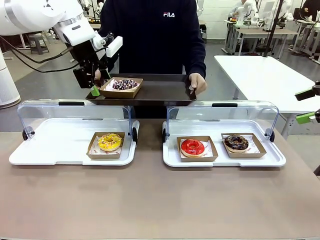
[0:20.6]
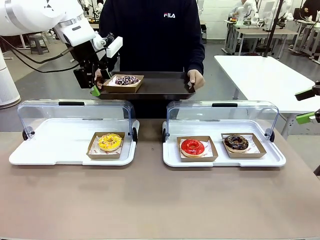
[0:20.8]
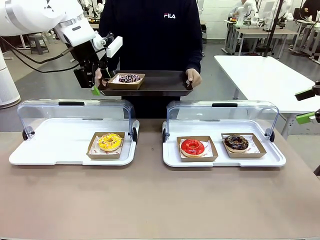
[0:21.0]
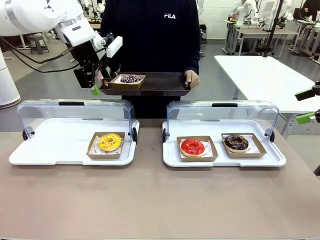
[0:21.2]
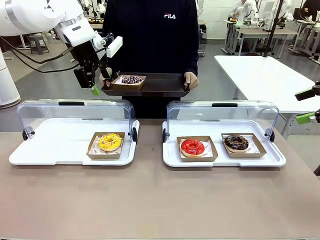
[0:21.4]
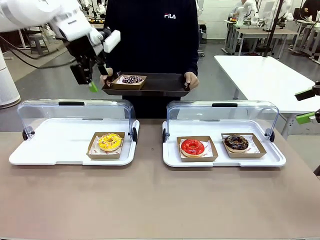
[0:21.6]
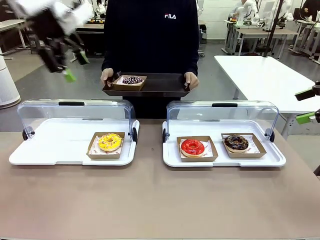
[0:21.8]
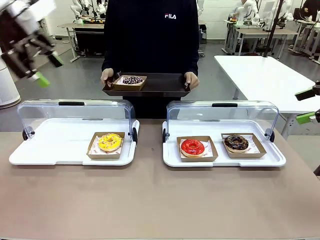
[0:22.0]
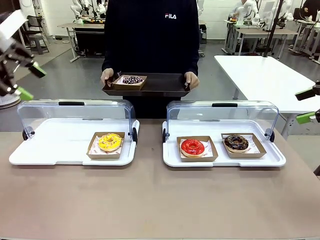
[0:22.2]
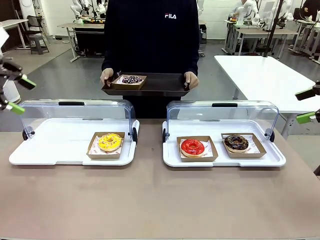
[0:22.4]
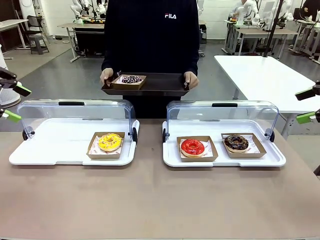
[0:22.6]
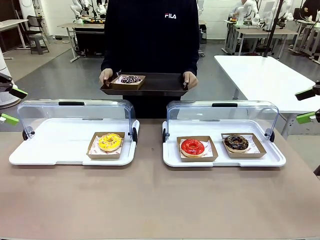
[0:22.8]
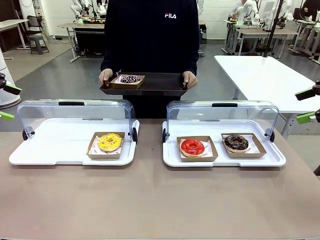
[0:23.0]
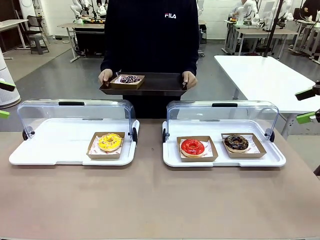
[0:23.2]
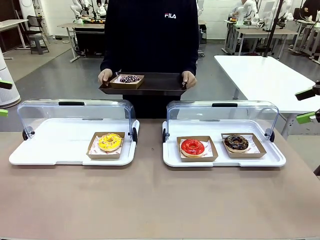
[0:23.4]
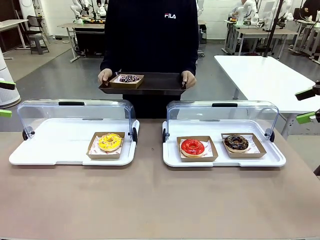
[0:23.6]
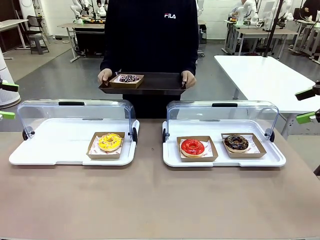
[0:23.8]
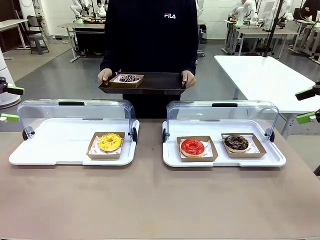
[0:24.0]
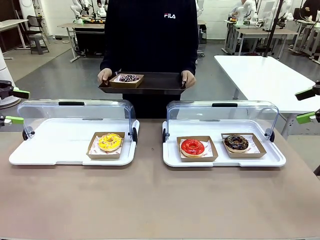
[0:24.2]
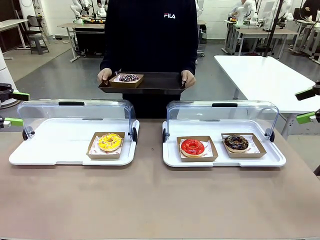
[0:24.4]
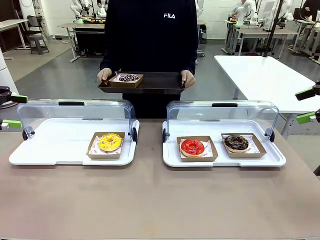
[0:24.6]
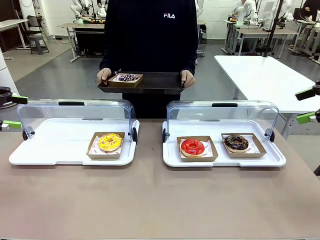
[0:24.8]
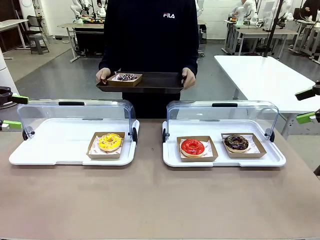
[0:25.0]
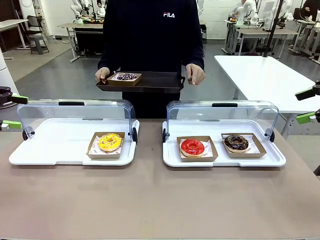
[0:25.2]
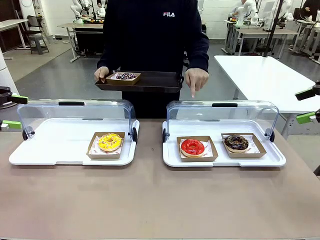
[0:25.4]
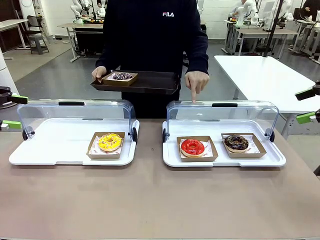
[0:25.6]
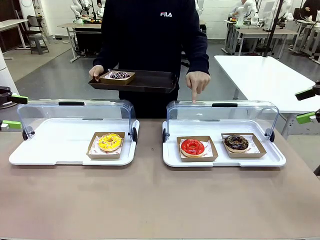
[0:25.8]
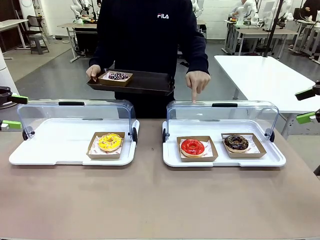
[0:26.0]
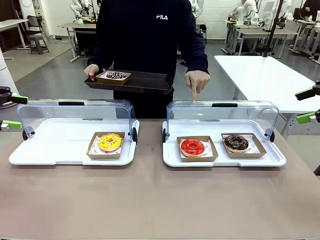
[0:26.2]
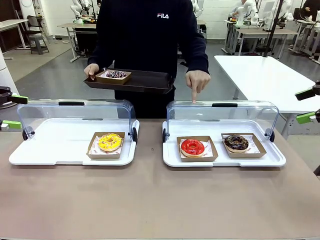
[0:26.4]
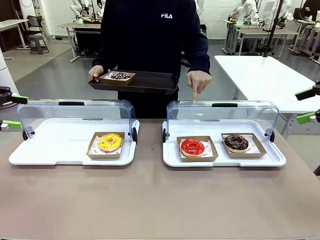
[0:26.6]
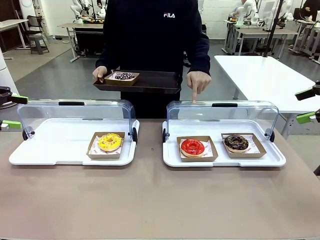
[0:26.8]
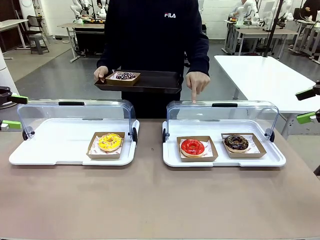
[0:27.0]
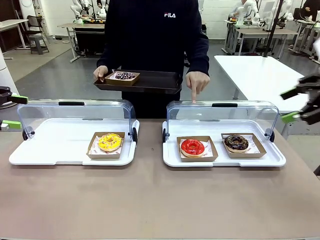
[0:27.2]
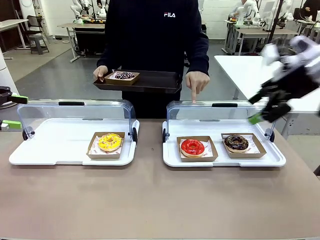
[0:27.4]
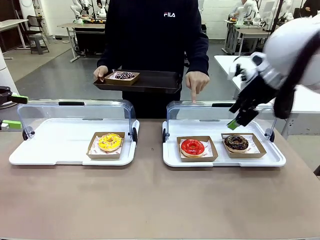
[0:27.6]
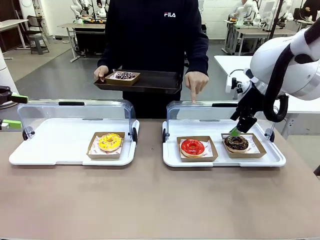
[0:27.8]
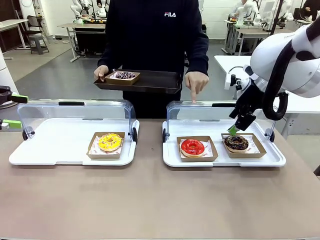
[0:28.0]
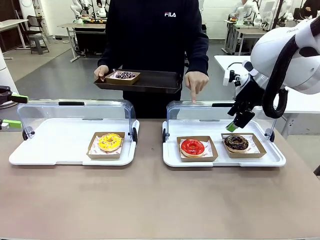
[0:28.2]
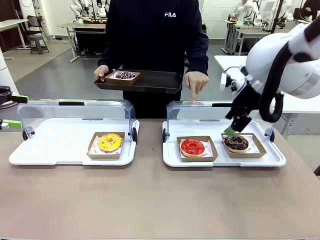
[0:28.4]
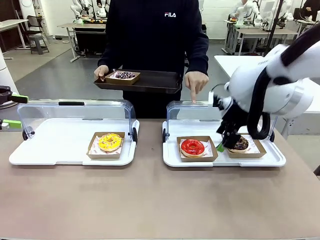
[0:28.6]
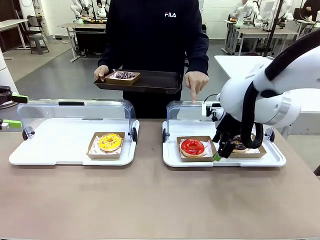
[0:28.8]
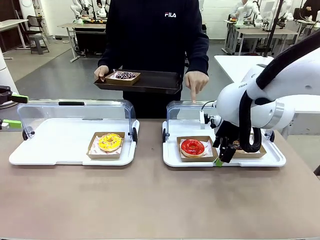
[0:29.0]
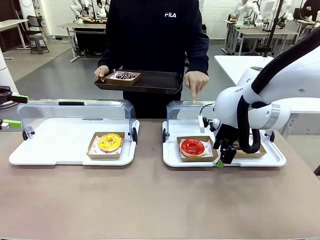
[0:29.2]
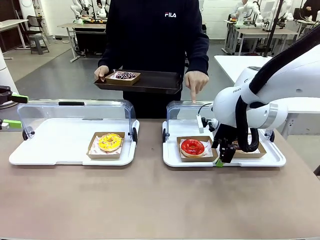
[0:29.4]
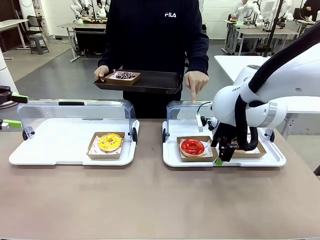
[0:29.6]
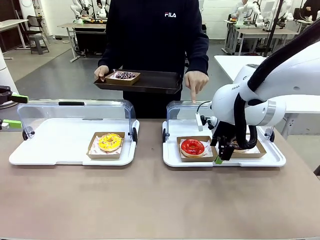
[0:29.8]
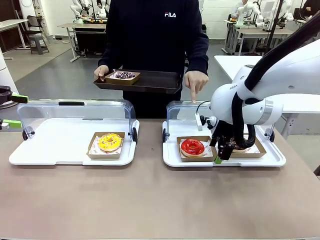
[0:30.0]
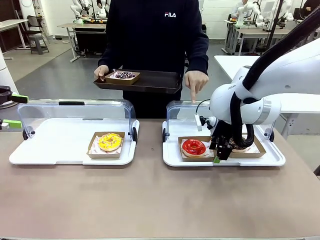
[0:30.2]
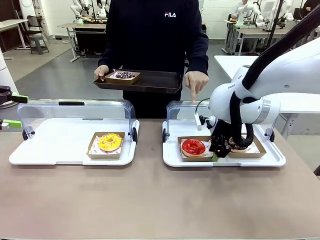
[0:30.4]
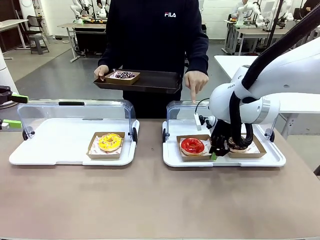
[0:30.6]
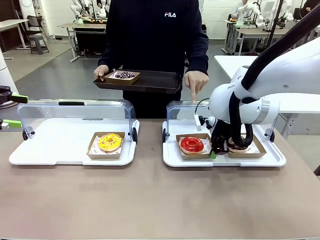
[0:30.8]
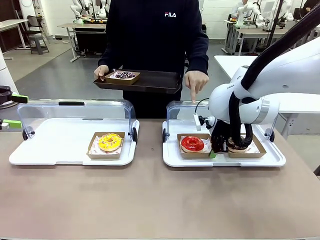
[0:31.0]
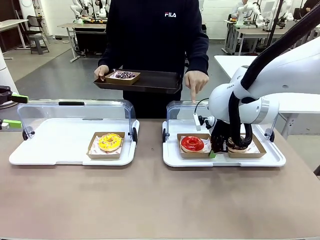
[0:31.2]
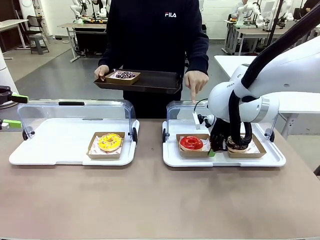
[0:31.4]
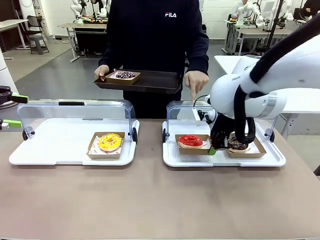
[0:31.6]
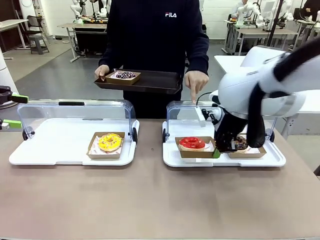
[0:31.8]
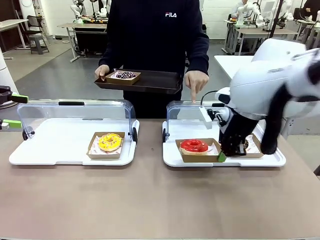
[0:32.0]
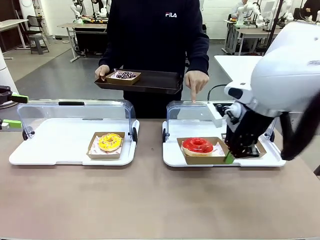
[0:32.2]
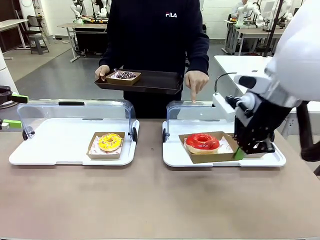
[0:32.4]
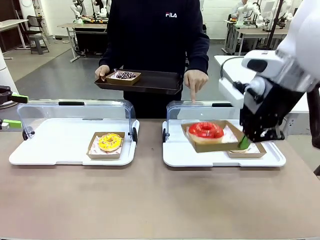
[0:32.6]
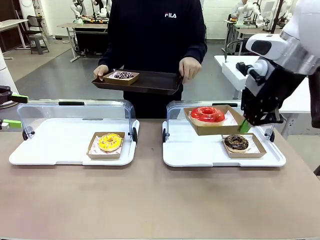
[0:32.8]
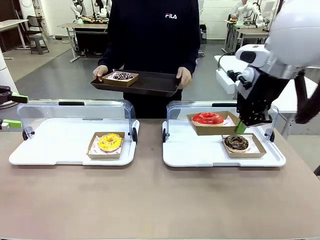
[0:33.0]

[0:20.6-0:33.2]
Task: Provide the desired donut to the person.
Robot: Pick up and lift the Paper togo box containing the Donut pointed at by the person.
Person: Point to one donut. Lift the tray onto the Roll-Top Bakery Case.

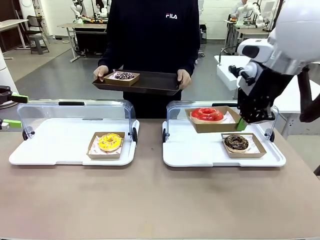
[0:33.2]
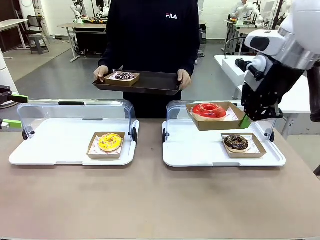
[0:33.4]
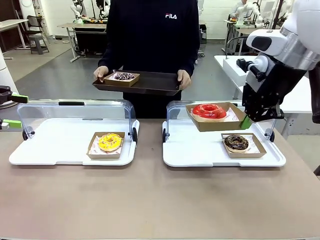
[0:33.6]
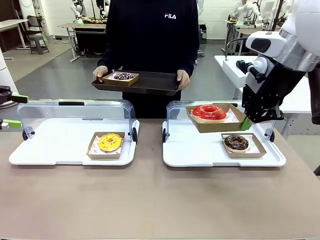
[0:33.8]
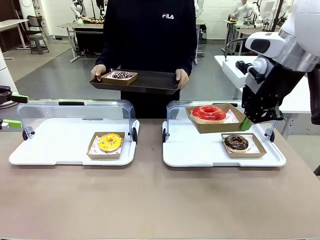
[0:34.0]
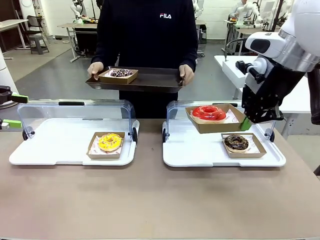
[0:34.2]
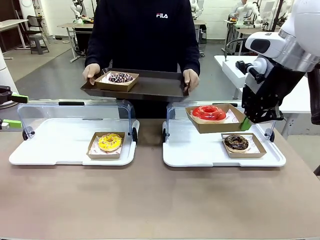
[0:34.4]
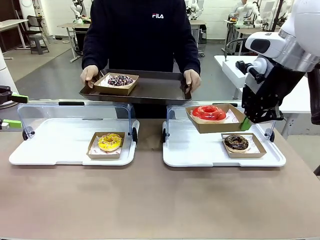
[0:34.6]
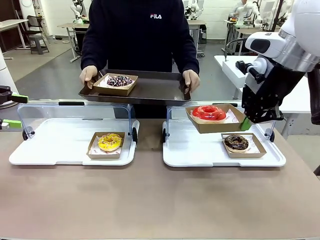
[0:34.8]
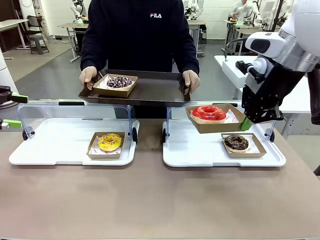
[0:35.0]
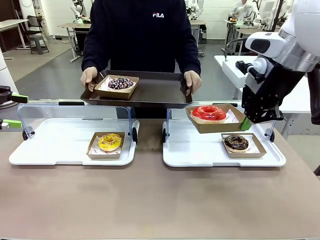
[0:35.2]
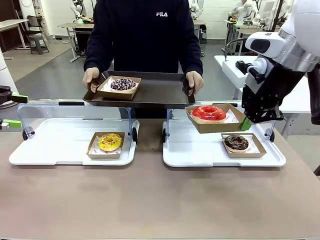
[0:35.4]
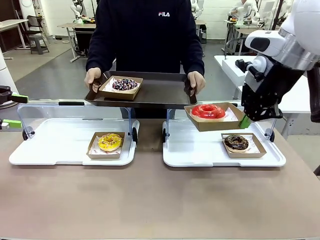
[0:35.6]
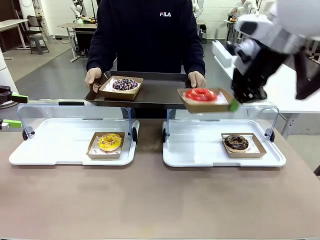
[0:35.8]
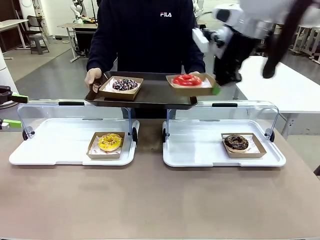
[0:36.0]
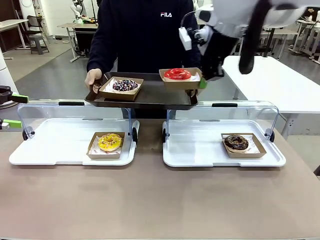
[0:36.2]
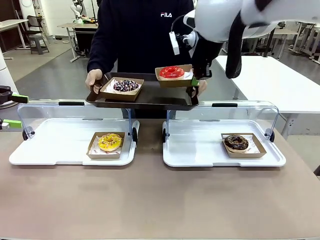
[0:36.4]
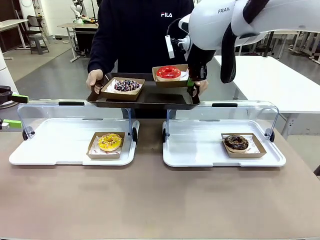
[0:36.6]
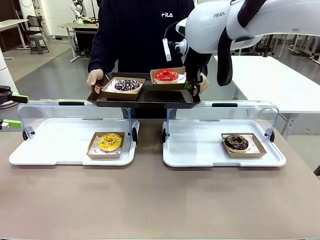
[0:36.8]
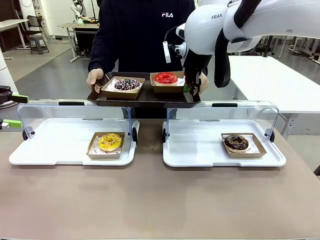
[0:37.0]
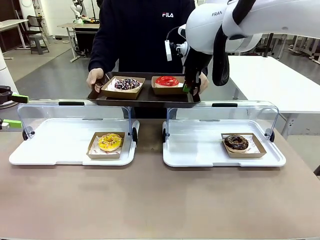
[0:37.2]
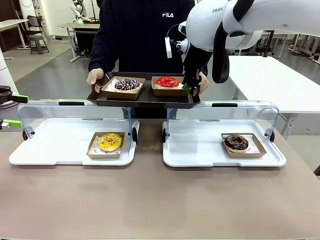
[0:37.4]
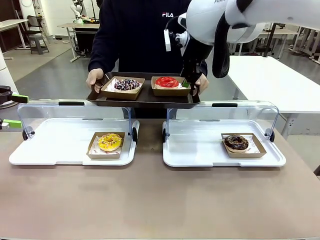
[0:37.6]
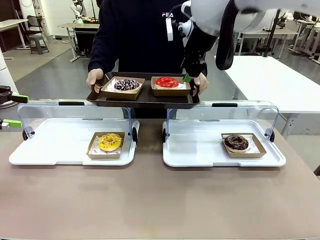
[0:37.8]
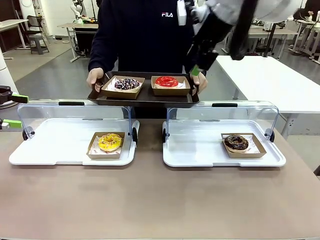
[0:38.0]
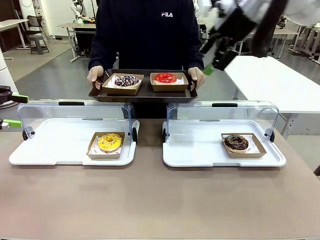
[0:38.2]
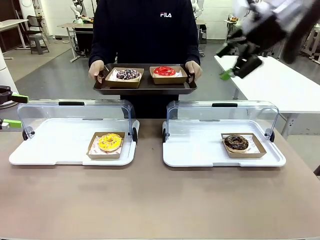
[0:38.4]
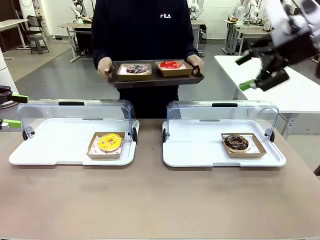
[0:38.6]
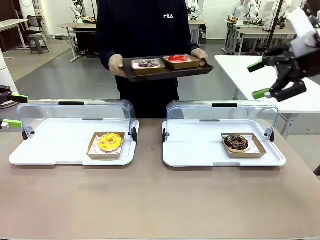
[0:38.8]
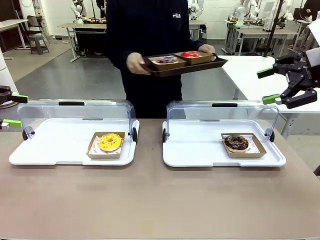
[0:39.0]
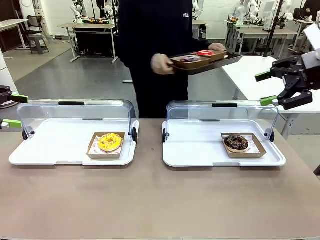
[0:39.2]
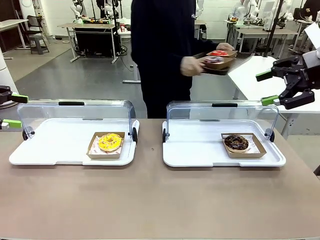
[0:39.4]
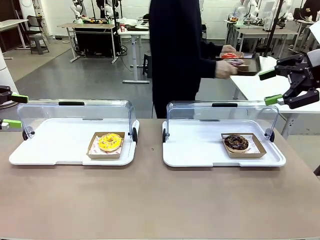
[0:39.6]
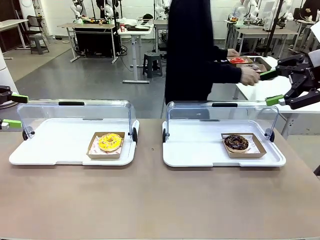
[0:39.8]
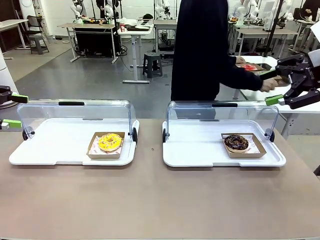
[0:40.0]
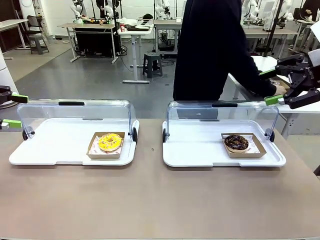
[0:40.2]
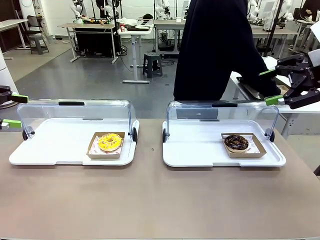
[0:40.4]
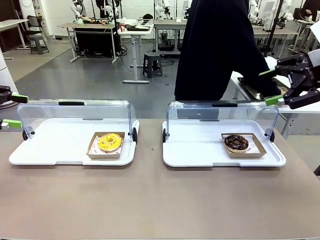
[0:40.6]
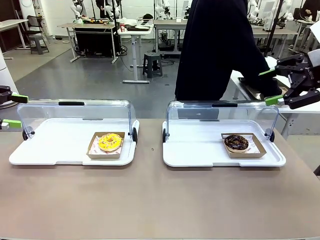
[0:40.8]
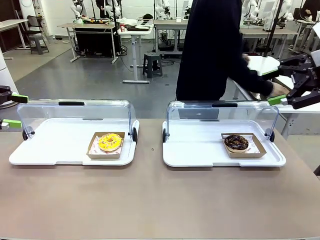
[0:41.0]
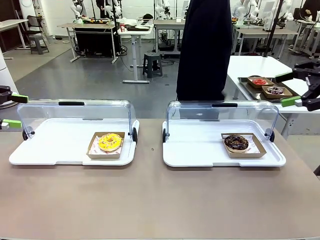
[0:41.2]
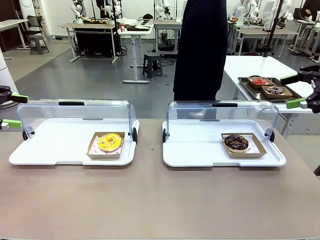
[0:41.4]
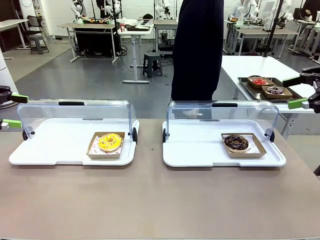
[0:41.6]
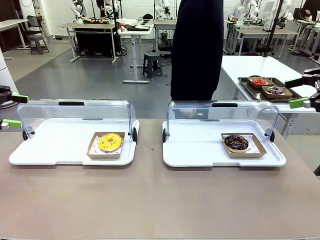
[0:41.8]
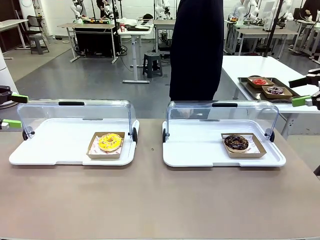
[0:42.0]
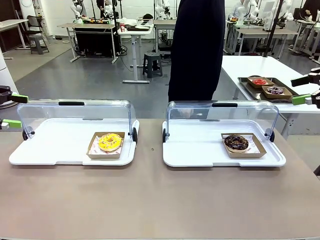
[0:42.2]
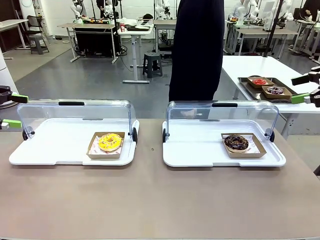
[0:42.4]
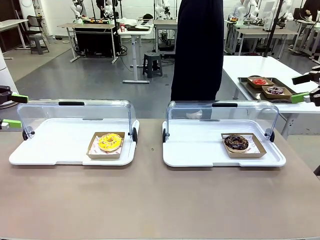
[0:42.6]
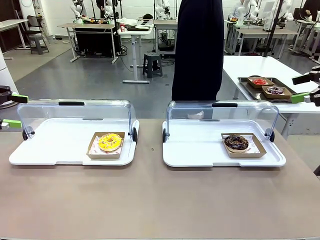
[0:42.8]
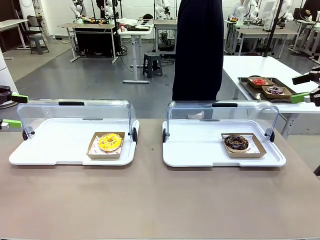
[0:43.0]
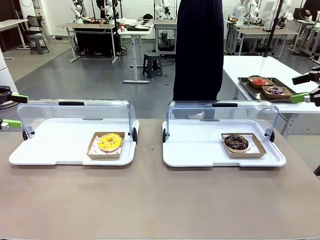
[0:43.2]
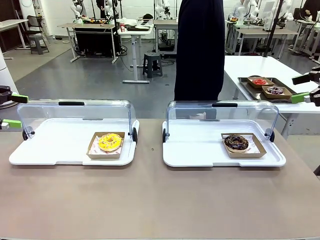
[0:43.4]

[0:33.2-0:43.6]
Robot: Place the picked Paper togo box onto the Handle tray extended by the person.
Person: Place the tray in the middle of the human table.
